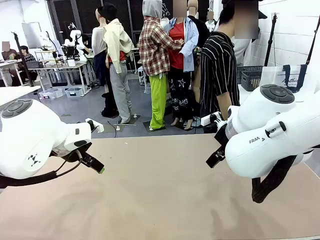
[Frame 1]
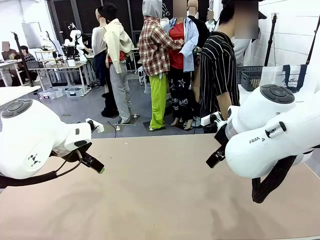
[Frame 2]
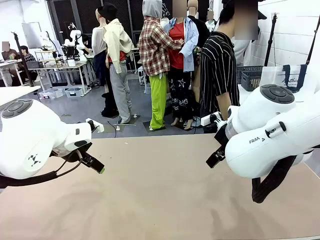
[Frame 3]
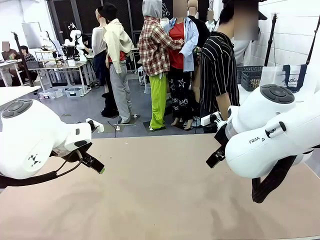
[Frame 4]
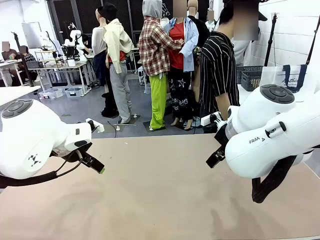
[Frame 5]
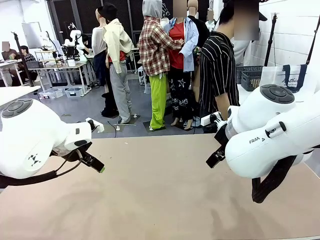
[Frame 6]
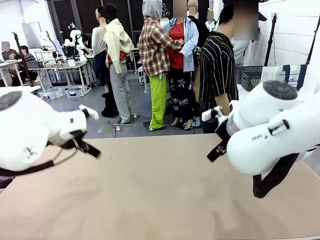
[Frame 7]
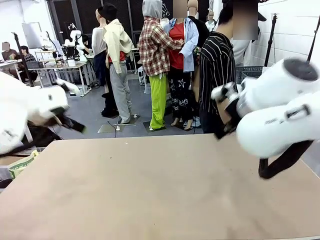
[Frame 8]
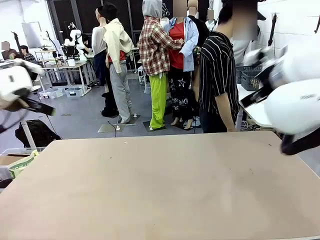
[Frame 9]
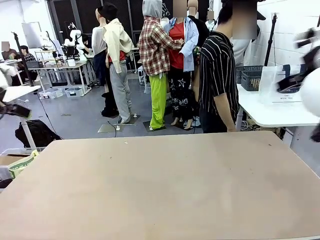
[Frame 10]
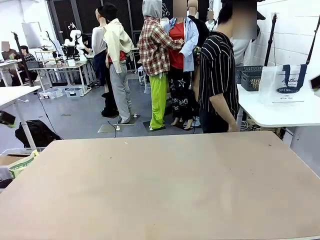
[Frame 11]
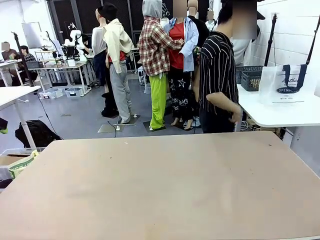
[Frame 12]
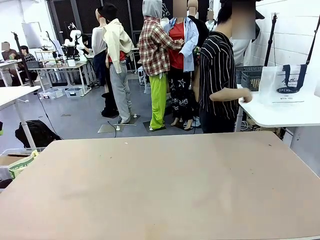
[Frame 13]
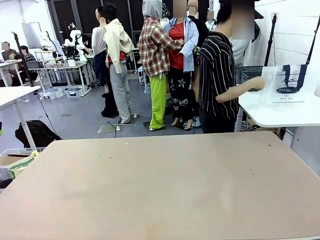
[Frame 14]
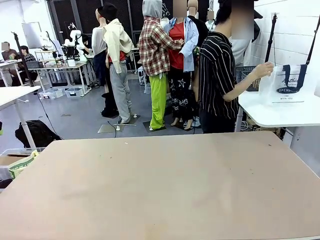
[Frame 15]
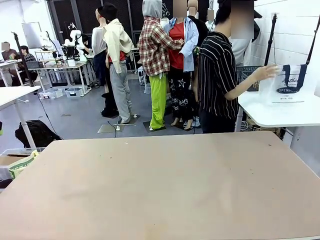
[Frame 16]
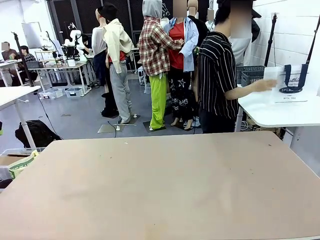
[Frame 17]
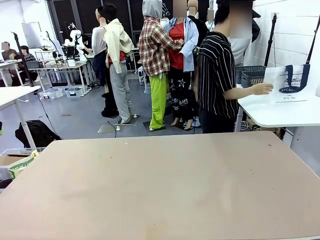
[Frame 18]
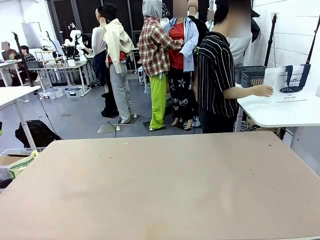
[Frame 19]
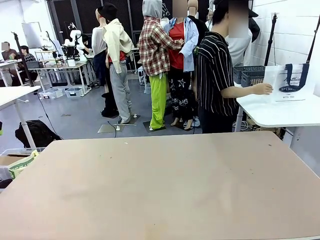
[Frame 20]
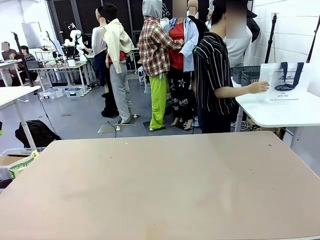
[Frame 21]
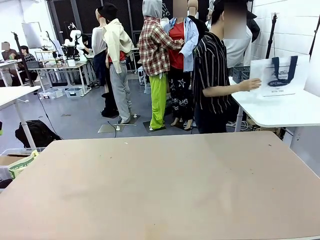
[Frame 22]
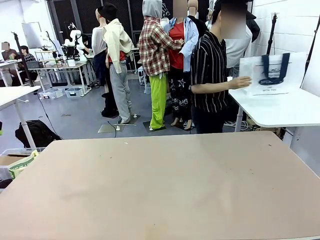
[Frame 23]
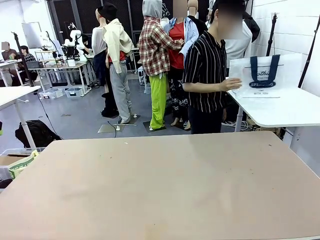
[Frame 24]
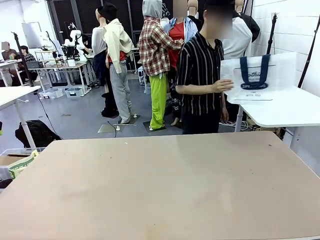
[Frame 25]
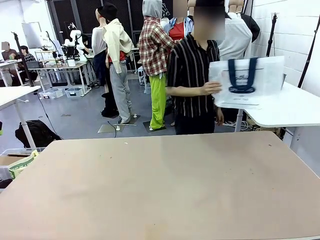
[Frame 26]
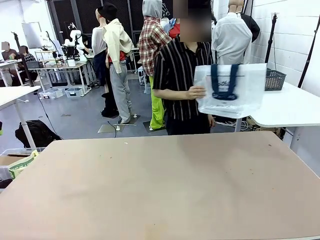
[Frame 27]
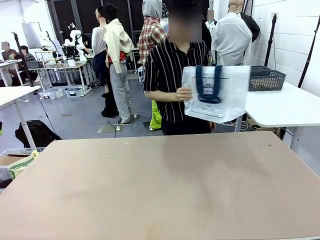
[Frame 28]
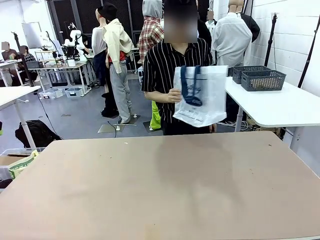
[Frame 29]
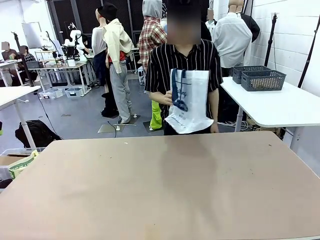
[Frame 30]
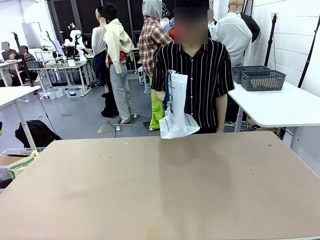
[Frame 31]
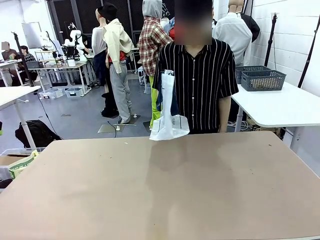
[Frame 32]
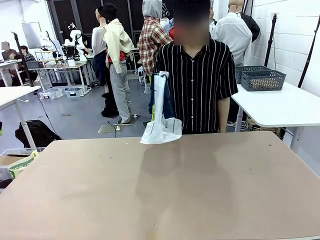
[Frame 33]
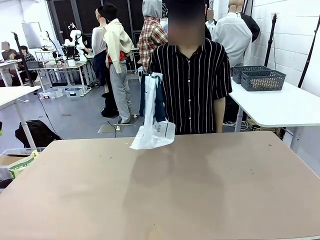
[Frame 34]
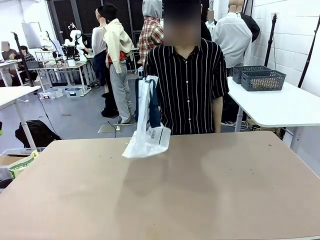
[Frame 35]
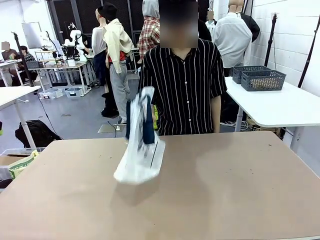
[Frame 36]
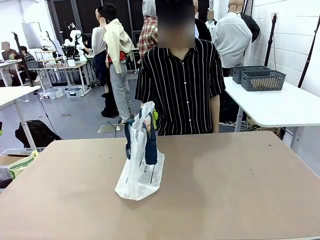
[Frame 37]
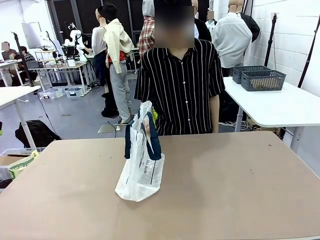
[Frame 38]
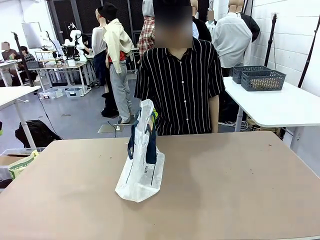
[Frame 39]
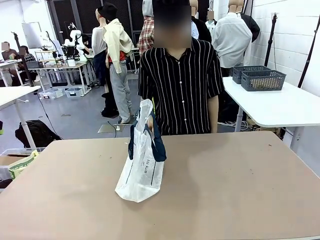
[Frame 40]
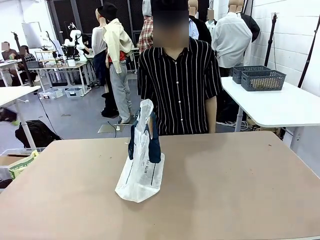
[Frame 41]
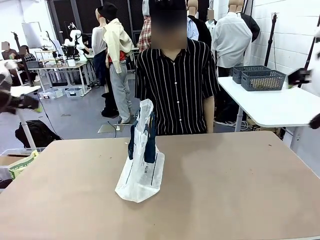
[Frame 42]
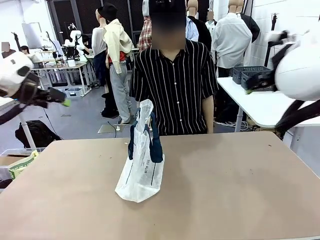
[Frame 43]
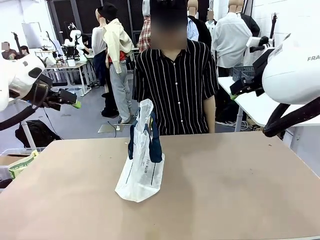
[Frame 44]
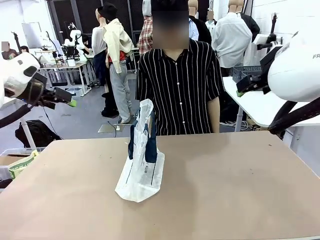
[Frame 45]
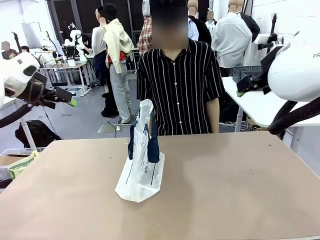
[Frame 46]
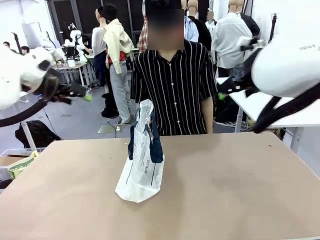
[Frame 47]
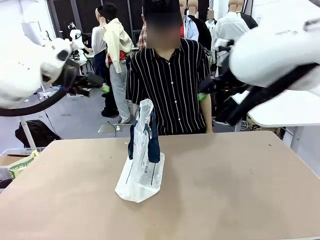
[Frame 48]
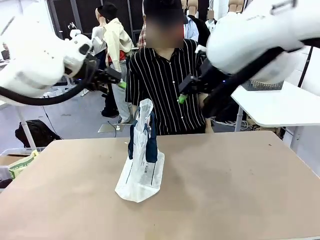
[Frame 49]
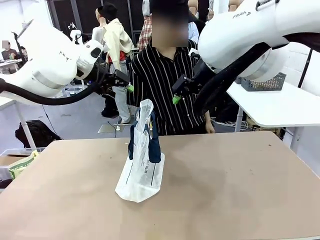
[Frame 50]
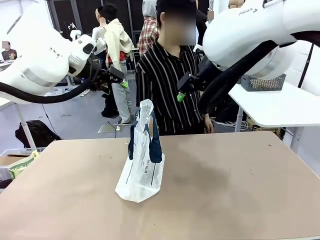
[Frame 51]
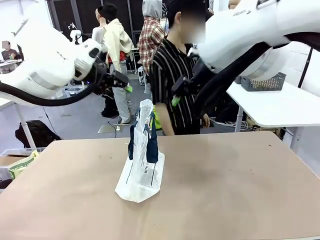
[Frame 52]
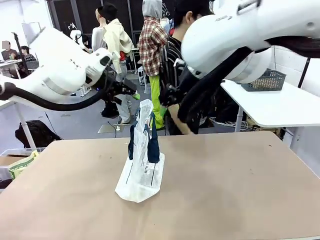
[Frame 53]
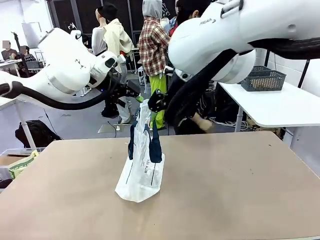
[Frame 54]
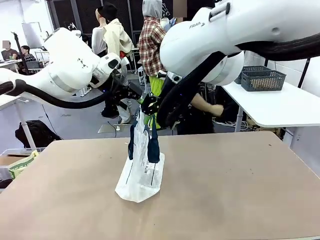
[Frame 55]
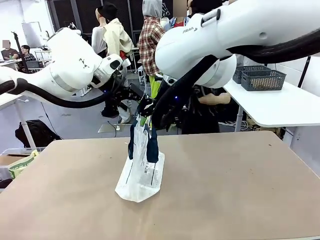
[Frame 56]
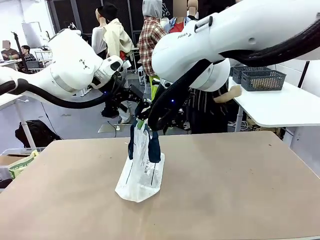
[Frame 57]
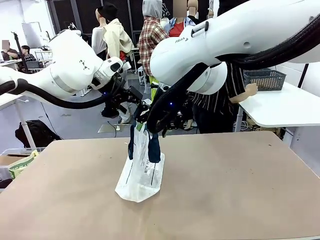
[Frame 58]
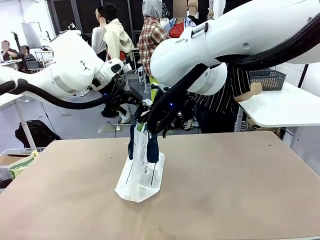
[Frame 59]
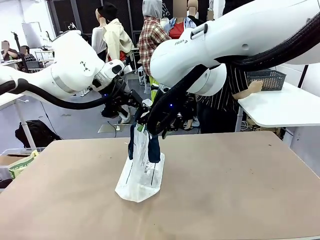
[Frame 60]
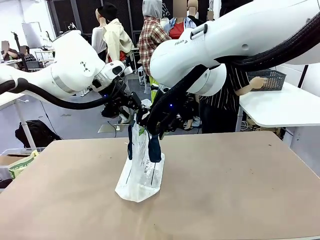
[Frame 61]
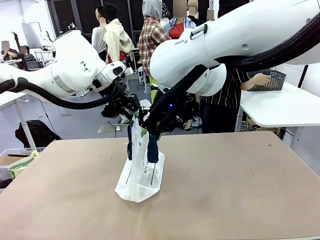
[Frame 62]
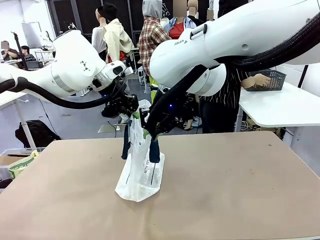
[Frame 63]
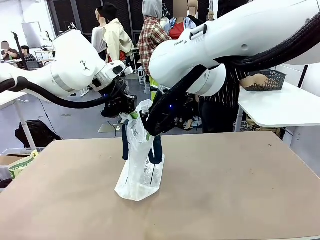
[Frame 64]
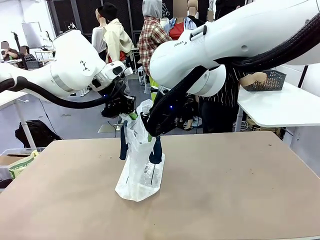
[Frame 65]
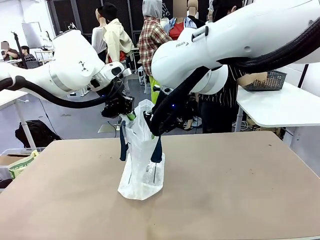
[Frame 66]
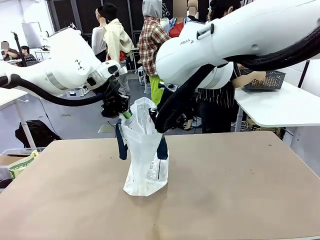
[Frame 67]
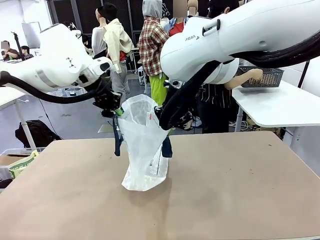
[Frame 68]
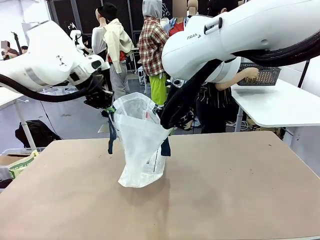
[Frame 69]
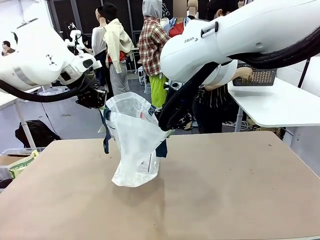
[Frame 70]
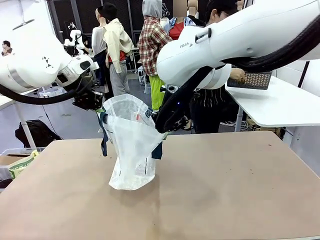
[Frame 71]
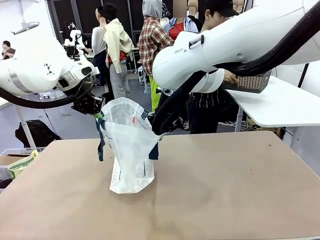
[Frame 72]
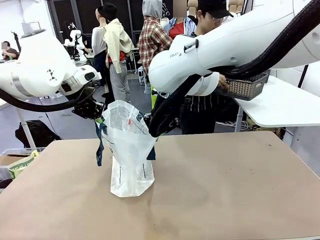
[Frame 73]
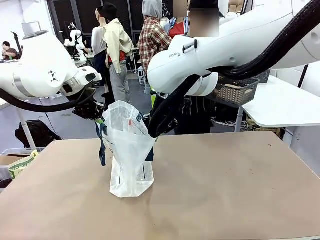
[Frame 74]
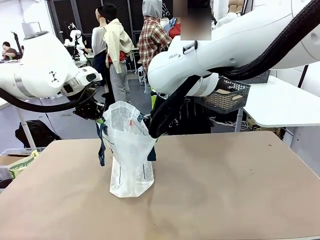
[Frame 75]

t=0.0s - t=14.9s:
Task: Transfer purchased items from the store into the shopping bag.
Robot: Open the Reusable shopping bag in the center of the table.
Person: Pick up the shopping bag and place it in the middle of the robot table. Pick up the basket on the right, place it on the left side of the robot table, and move the items in the basket to the shopping bag.
